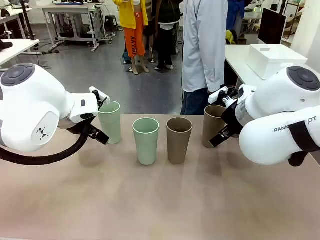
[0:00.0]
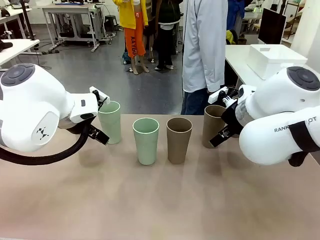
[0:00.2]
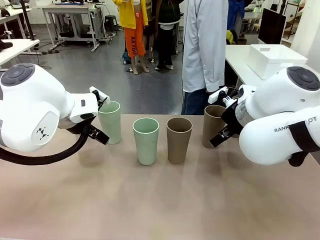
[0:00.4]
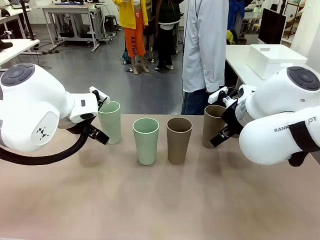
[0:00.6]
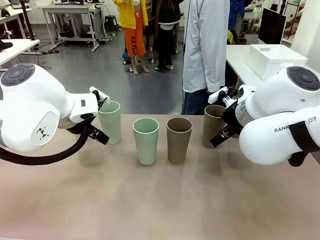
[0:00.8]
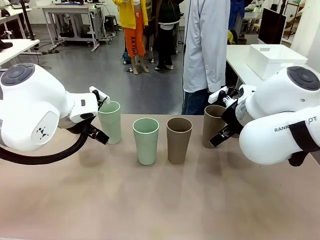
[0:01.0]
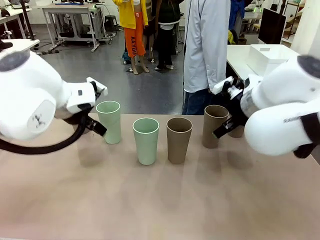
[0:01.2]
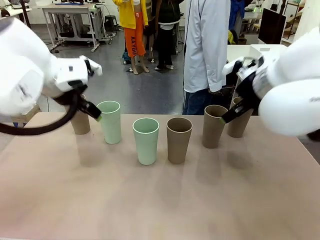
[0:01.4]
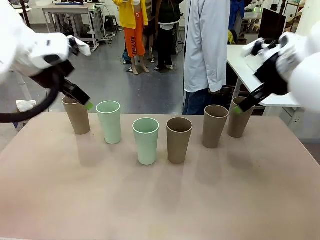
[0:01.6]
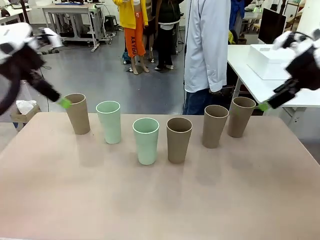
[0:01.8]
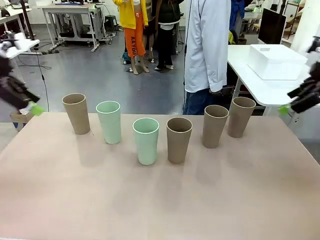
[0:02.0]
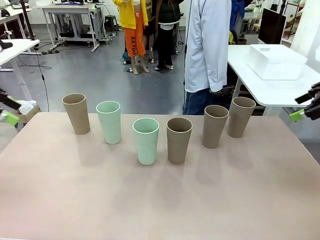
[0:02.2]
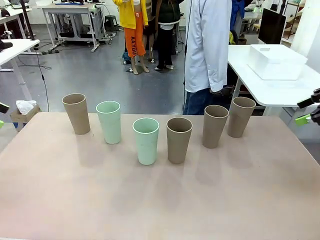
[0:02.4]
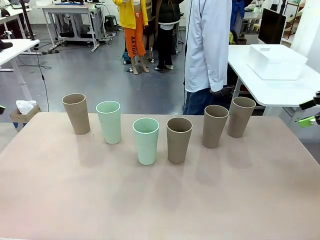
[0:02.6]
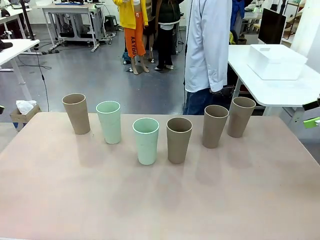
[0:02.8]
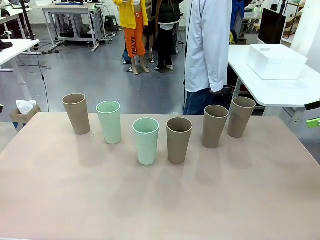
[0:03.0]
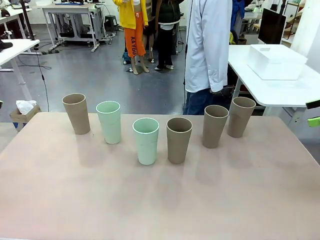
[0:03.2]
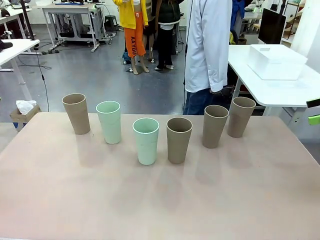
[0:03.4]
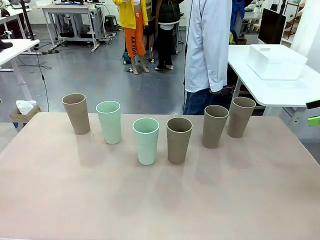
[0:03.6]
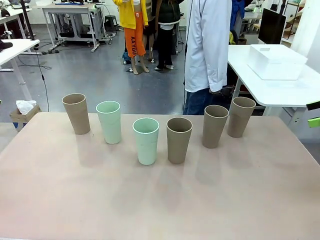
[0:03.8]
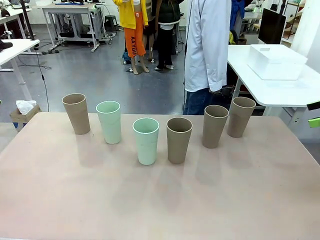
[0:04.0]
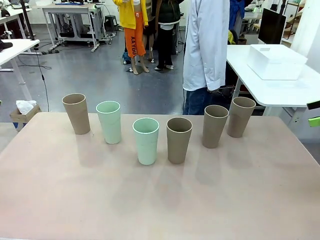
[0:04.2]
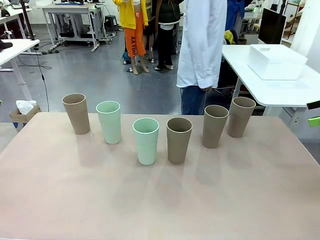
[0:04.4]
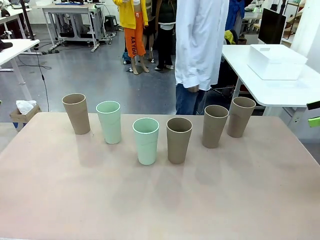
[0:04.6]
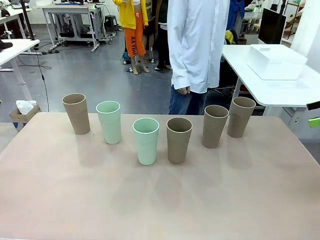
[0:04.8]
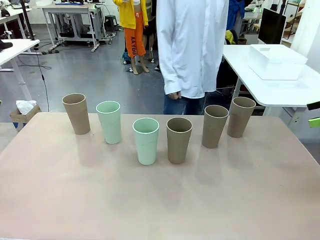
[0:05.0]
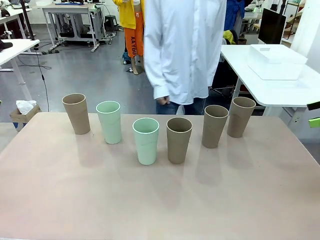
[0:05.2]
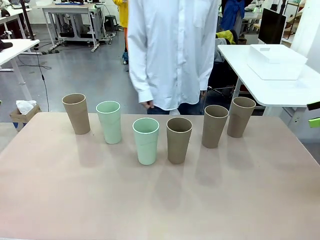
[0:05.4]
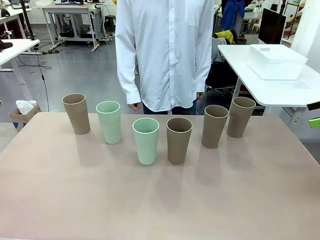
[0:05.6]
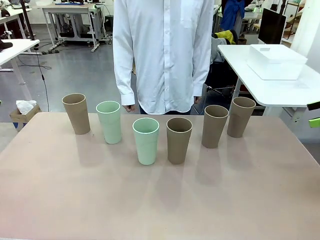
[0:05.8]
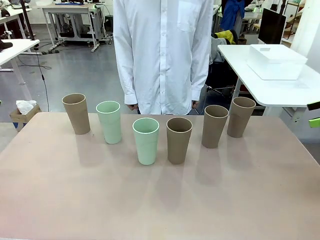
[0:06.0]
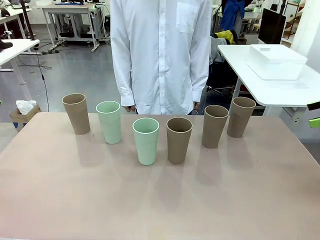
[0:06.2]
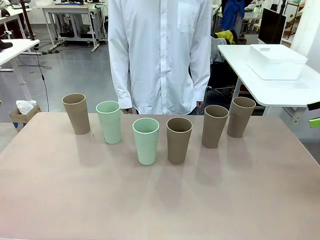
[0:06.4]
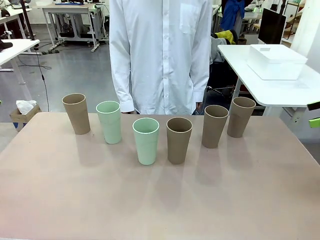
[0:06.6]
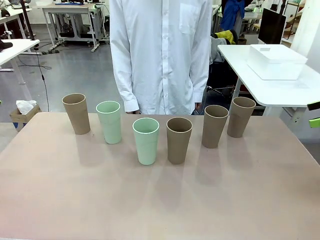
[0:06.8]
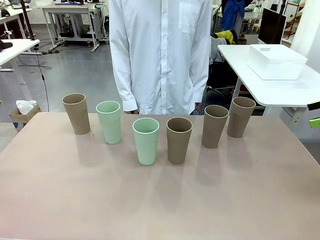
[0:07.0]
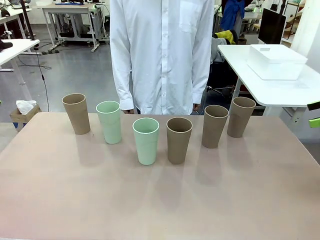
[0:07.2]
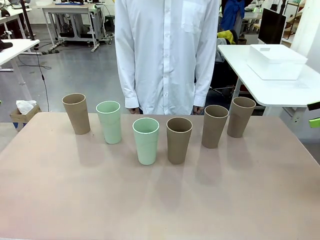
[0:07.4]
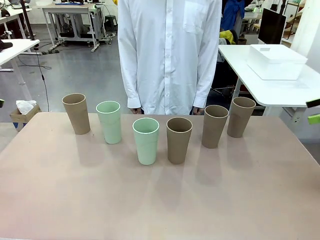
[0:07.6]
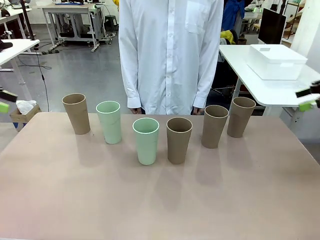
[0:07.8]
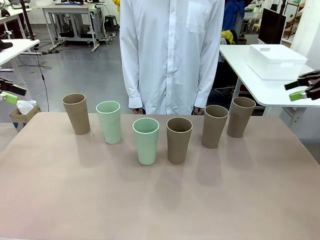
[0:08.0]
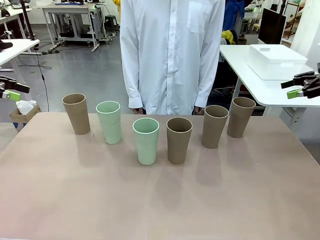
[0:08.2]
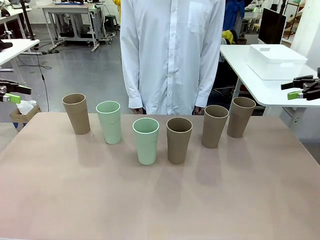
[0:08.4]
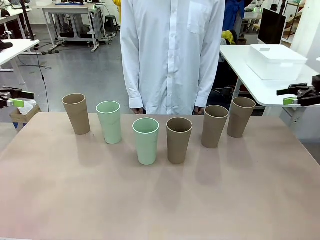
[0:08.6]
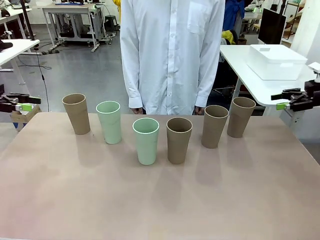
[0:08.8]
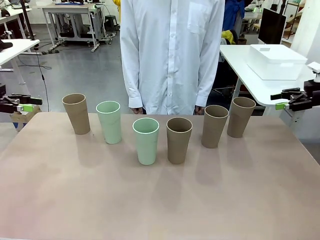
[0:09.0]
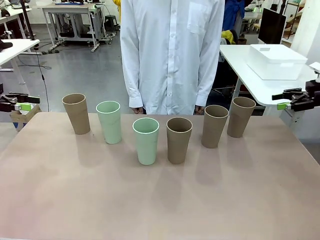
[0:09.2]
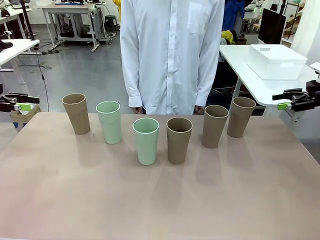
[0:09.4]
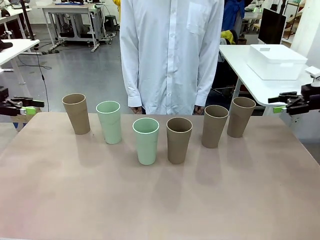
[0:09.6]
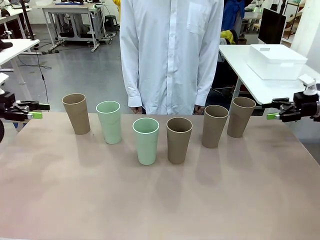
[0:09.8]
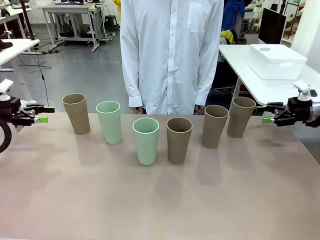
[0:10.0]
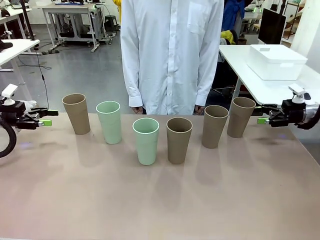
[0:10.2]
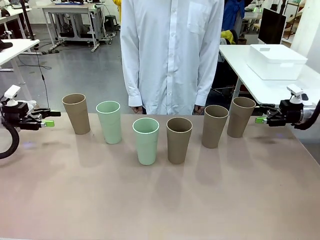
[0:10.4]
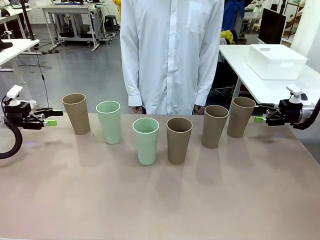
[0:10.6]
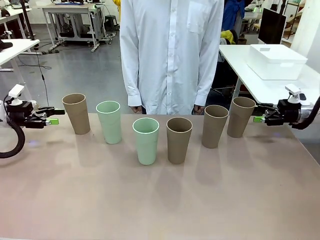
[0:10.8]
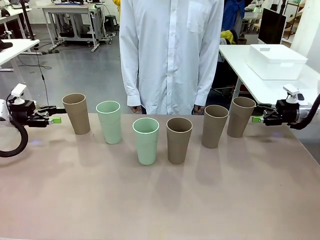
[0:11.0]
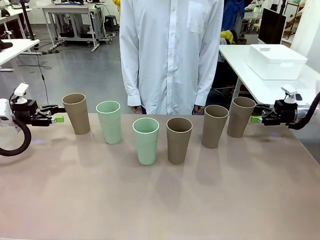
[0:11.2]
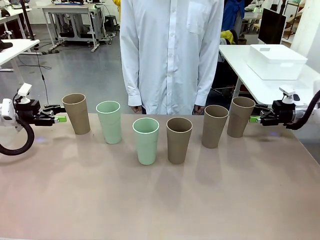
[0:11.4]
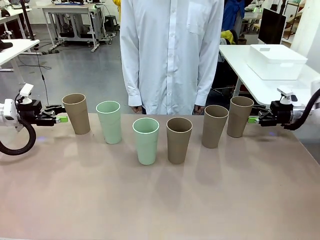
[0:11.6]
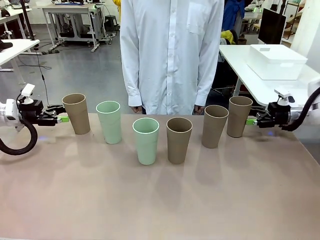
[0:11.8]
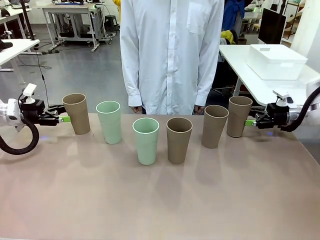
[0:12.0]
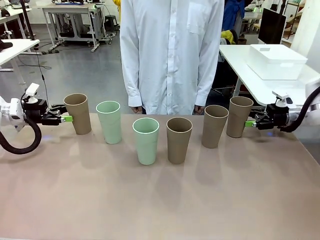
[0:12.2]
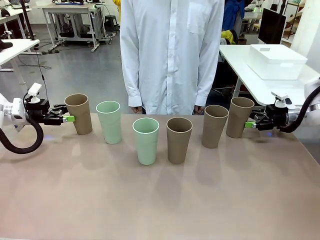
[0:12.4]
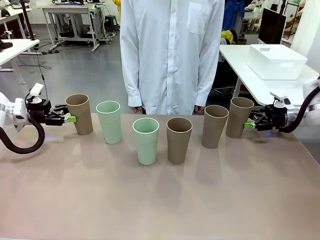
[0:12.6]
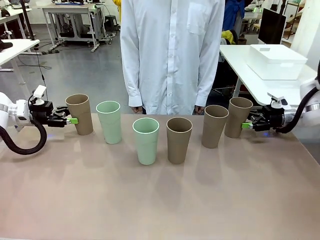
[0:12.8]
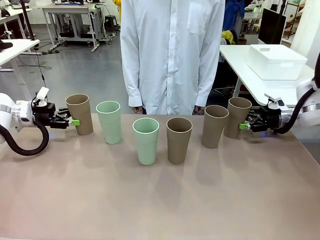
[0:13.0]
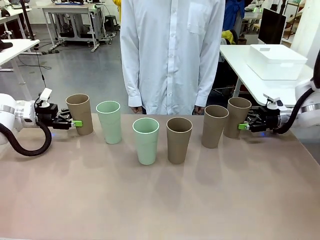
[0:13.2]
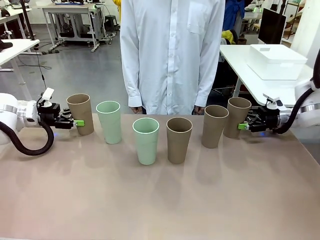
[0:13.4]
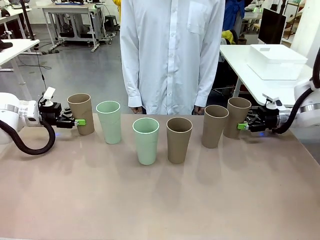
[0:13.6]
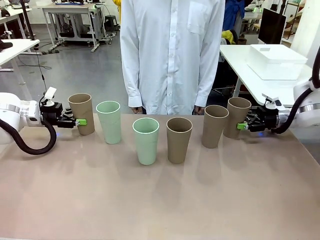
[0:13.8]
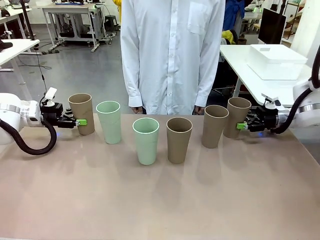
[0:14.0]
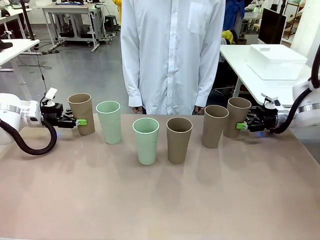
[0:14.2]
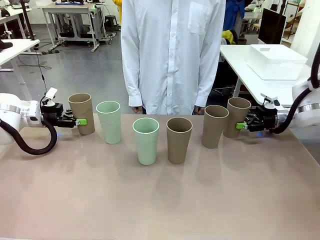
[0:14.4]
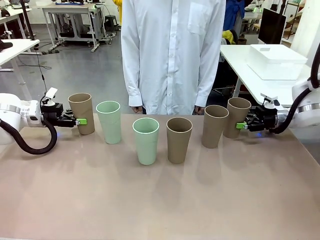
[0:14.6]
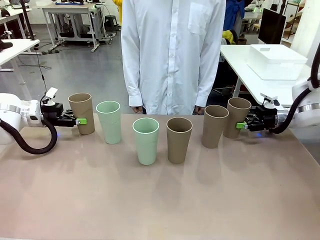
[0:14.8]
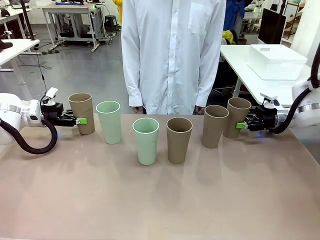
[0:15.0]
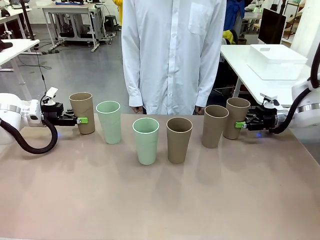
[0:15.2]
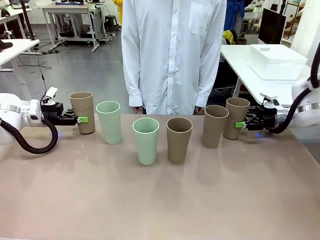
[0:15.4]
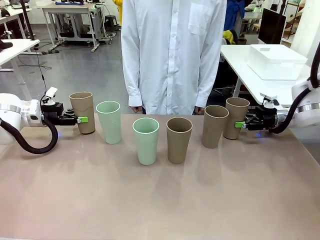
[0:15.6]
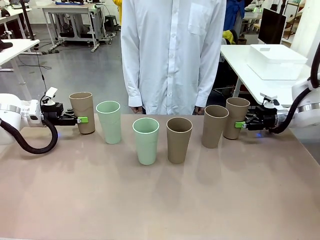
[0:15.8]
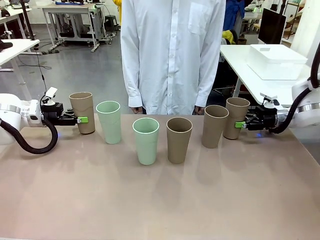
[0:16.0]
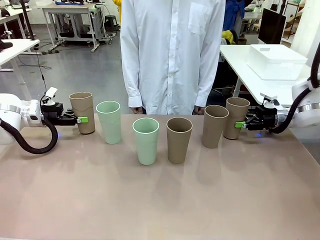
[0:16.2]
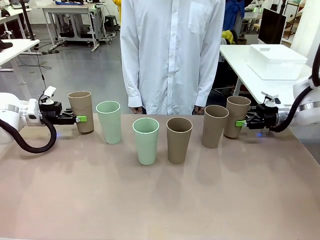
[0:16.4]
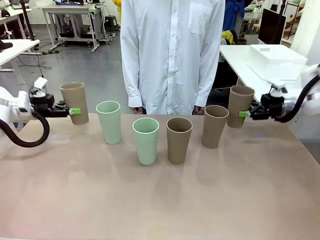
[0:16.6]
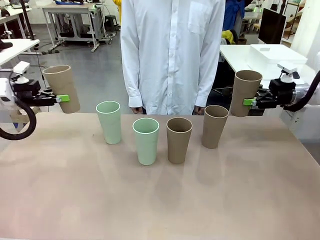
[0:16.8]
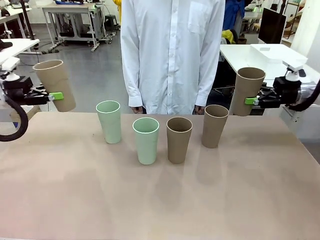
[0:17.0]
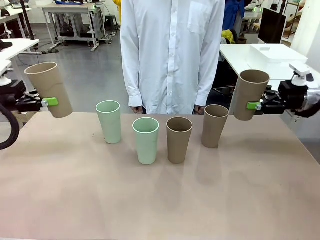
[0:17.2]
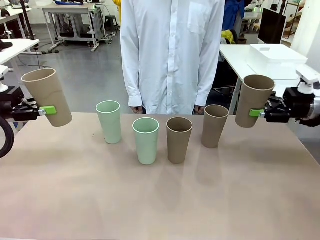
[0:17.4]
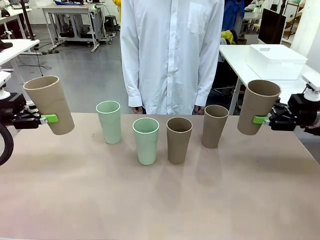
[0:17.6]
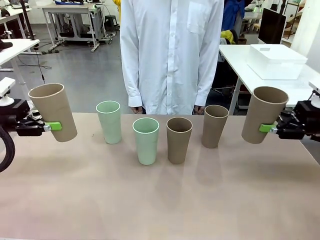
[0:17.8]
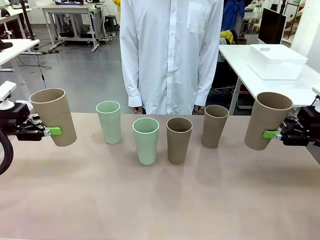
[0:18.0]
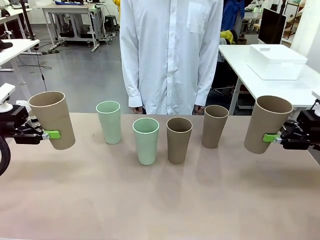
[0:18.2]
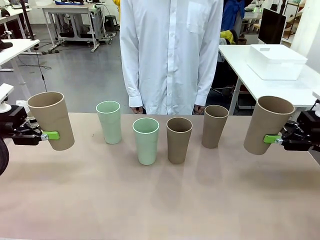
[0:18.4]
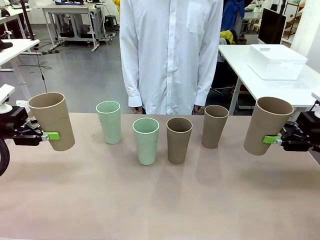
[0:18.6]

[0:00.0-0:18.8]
Task: Stack the cups and store them in the basket.
Robot: Pick up two Reusable plastic cups , one in each hand.
Person: Move from the Human Table to the front of the Robot Table. Stack two of the remaining cups on top of each cup held by the robot.
